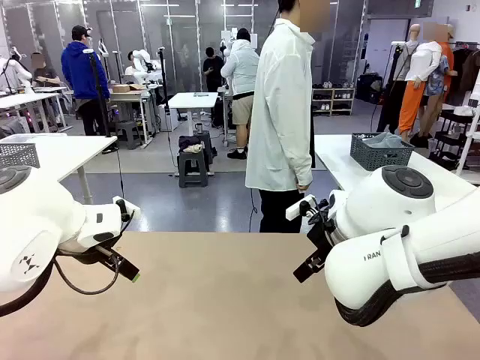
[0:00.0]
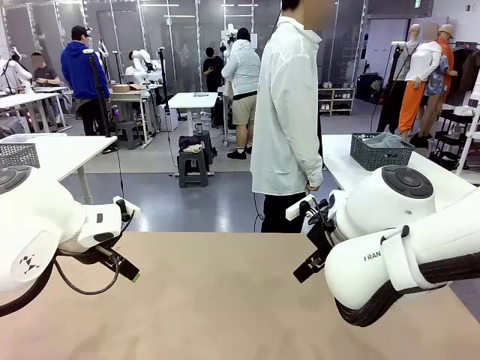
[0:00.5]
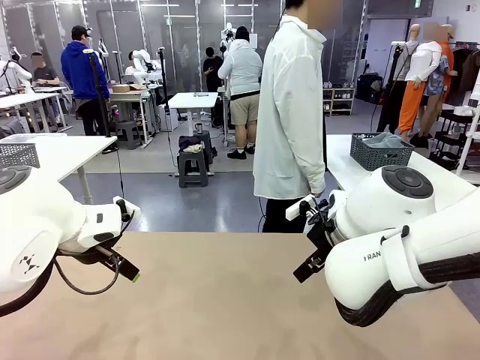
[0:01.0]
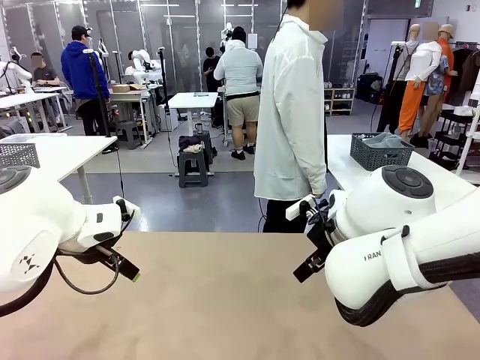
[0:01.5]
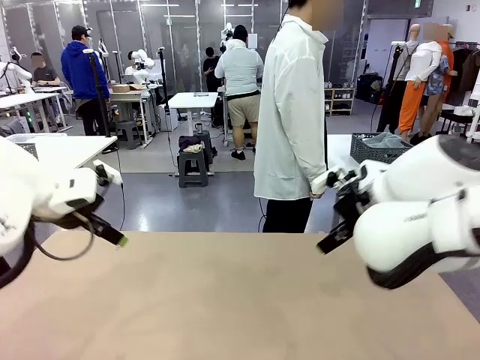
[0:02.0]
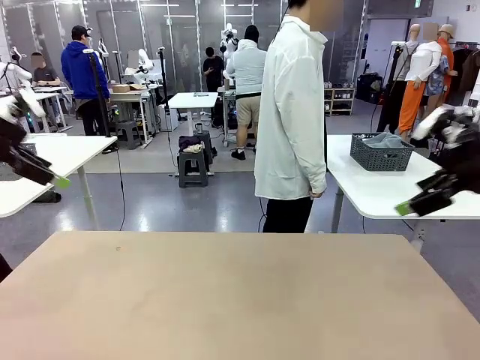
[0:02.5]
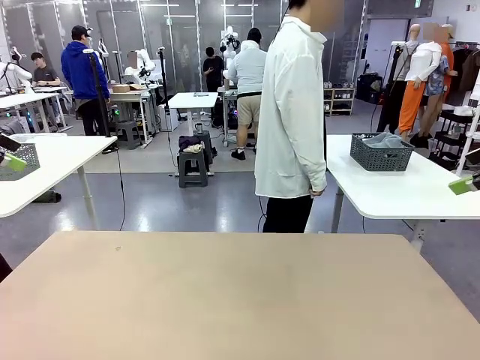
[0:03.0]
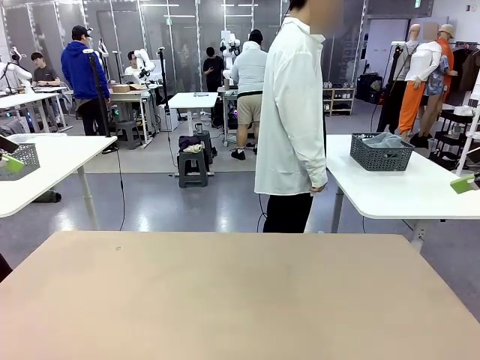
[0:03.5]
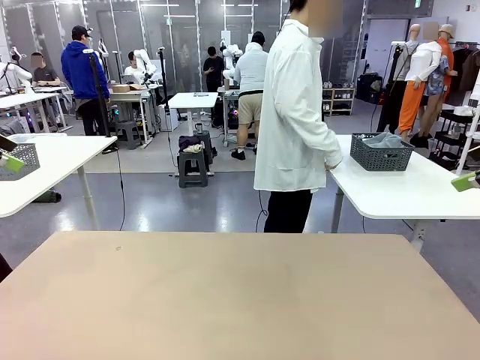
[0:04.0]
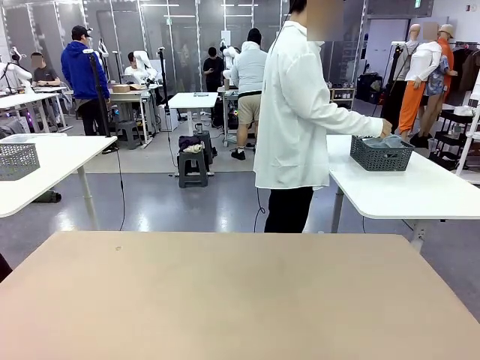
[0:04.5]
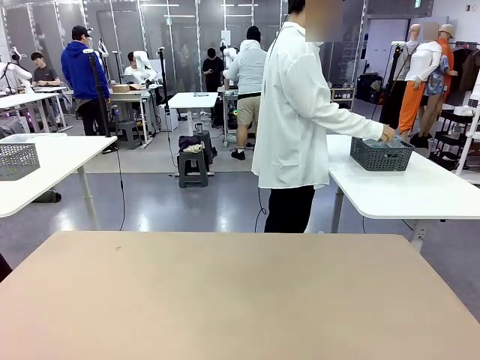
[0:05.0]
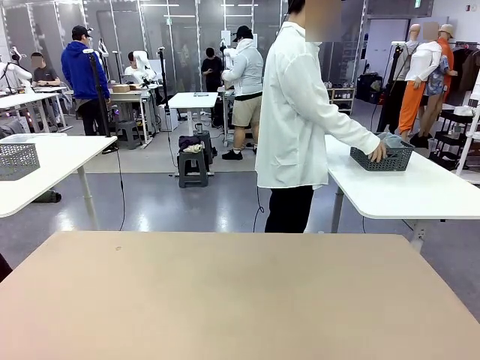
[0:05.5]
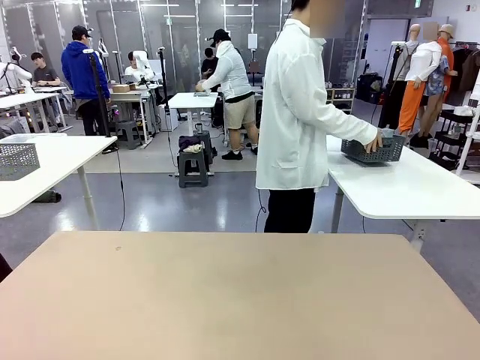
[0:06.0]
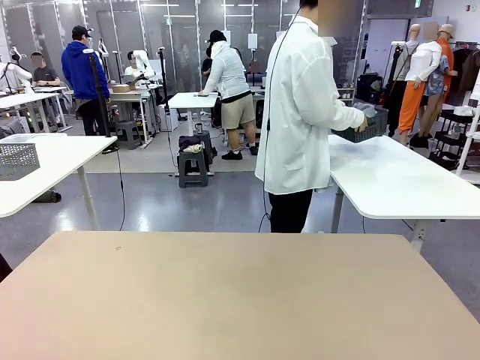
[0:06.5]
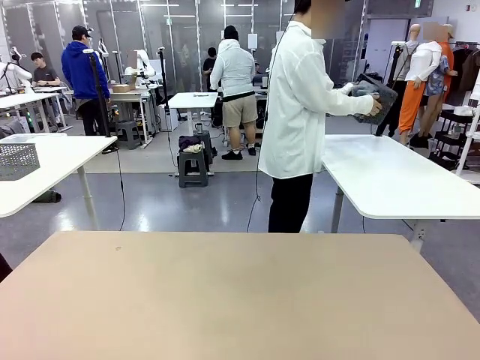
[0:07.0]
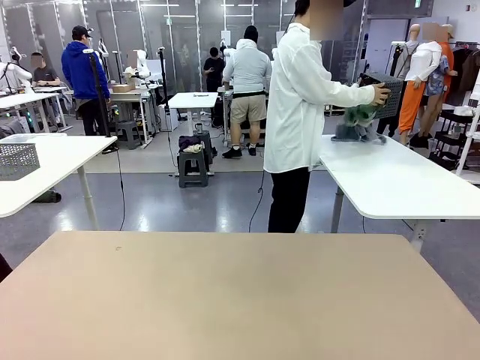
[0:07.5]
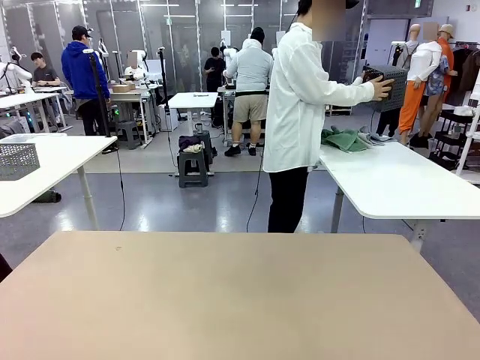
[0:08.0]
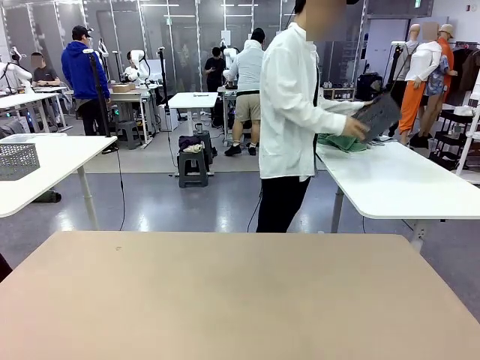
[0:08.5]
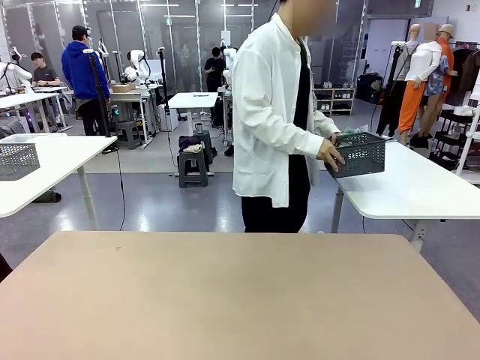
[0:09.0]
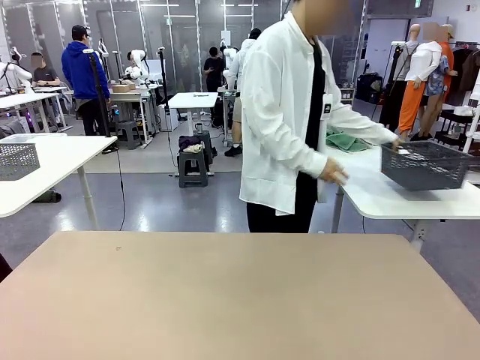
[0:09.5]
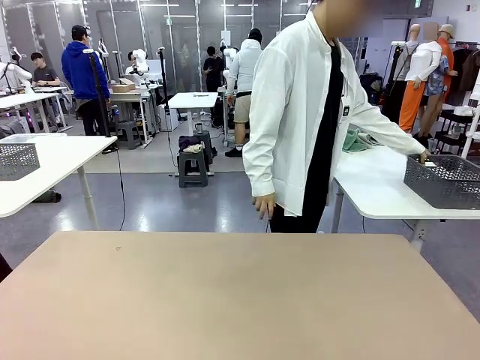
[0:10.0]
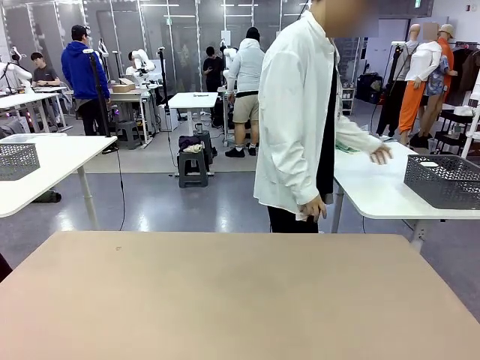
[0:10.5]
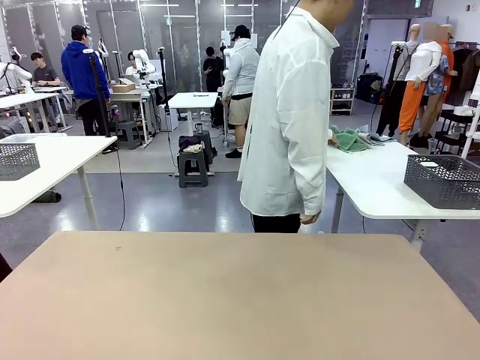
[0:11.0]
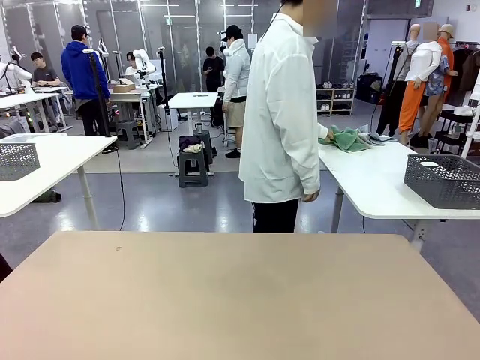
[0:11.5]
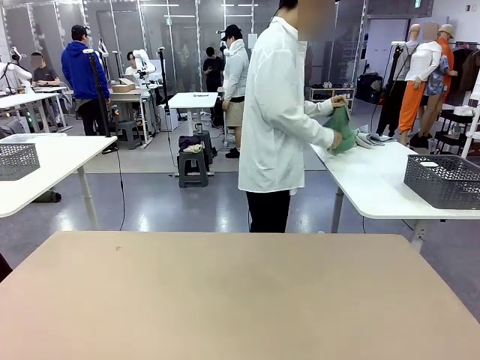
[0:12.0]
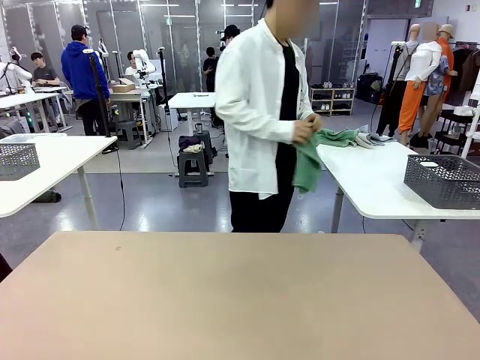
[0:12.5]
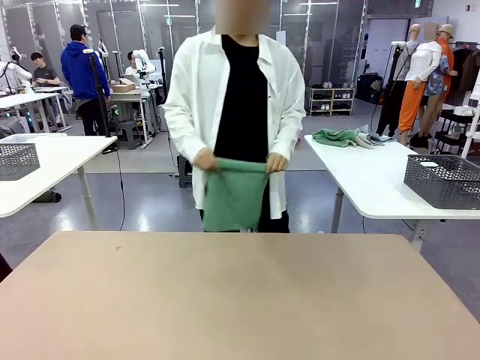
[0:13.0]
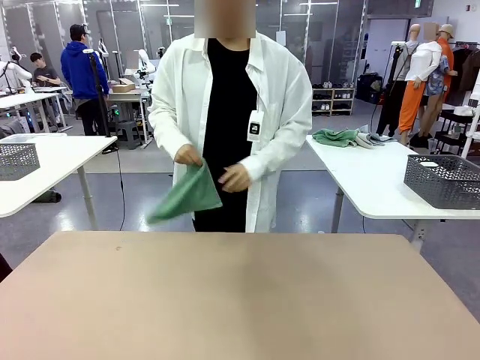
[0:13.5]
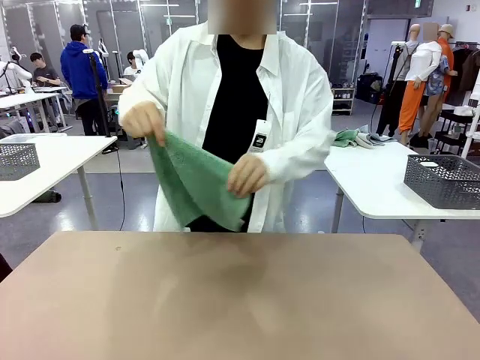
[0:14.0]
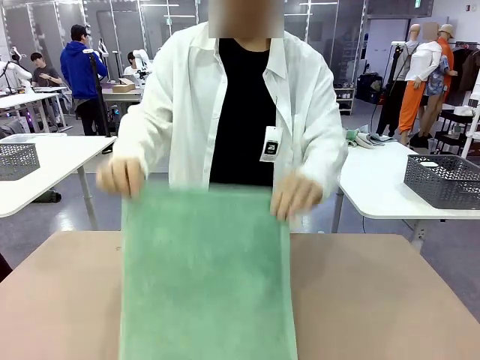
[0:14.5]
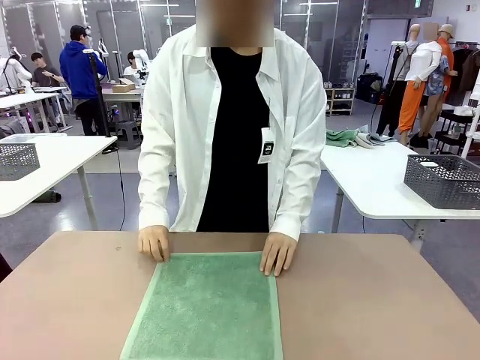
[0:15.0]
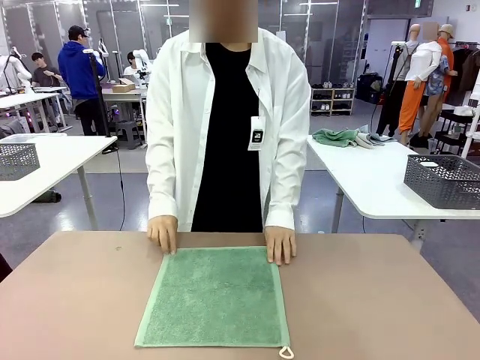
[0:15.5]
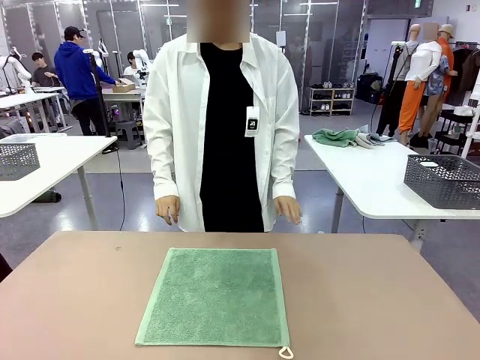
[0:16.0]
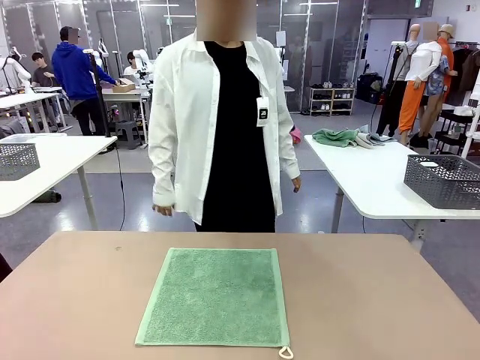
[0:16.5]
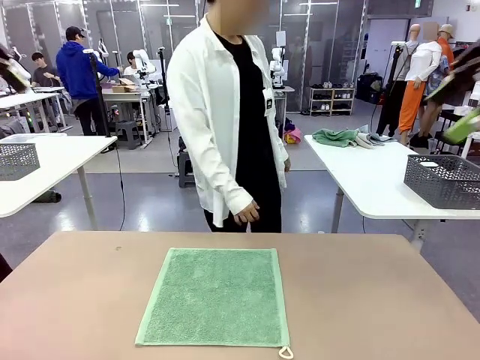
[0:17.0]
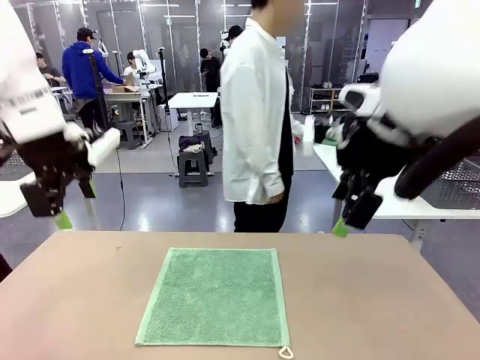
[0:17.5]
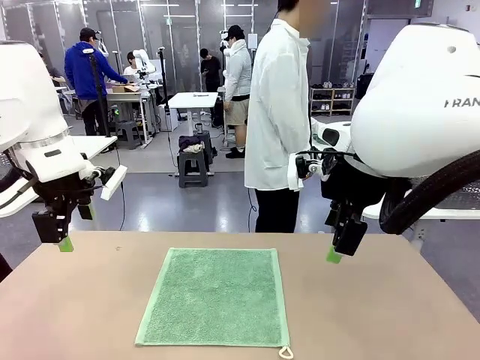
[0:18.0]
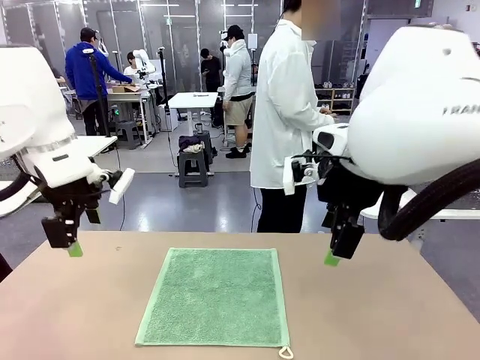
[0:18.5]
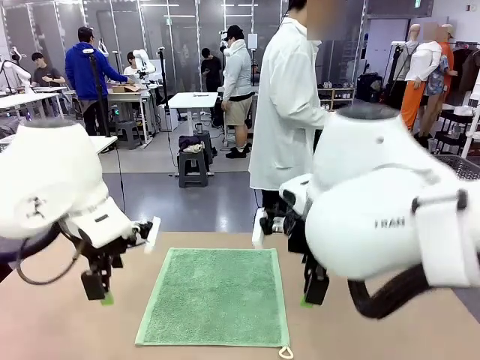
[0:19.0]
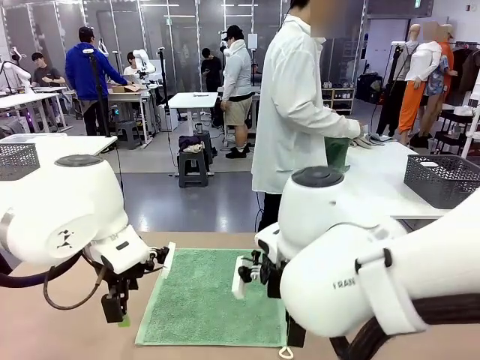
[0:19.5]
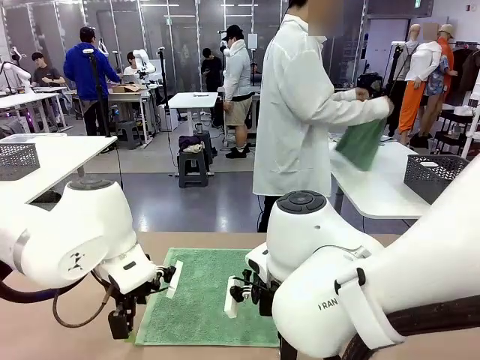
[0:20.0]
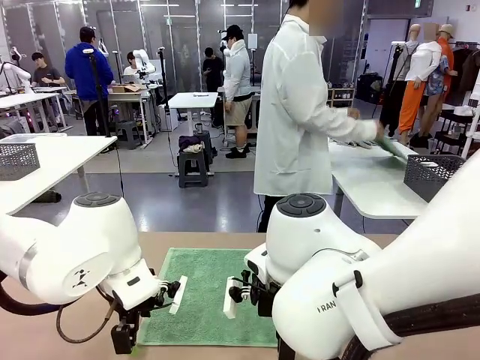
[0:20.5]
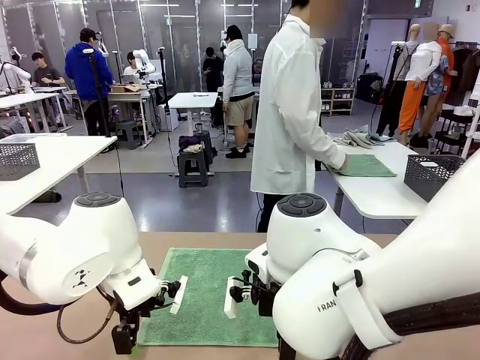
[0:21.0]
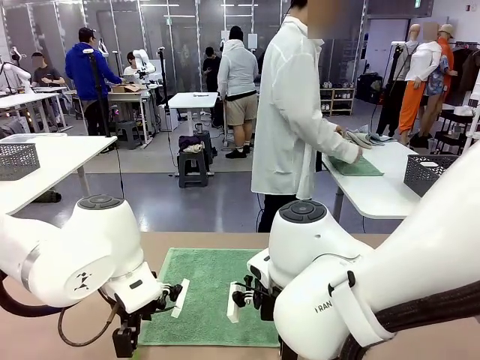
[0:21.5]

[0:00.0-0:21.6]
Task: Fold the towels and place them in the basket.
Robot: When a person lays out a Towel with hook on the table, fold it in half twice.
Person: Pick up the basket, pour the towels onto the left side of the human table, and place the basket on the right side. Pick up one towel and spread it out at the center of the robot table.
